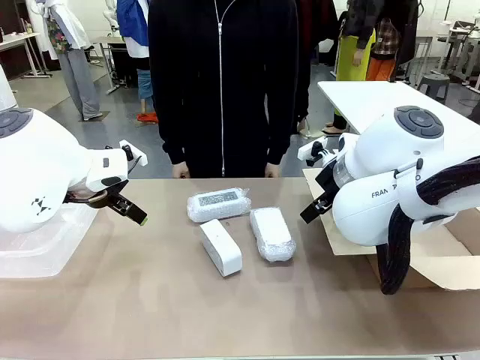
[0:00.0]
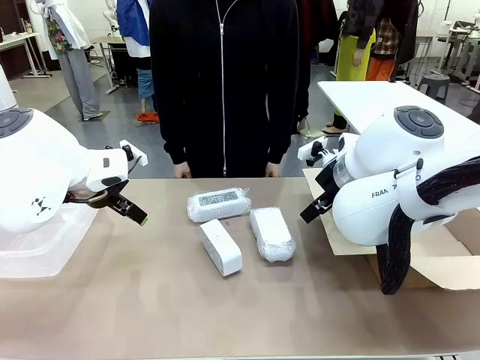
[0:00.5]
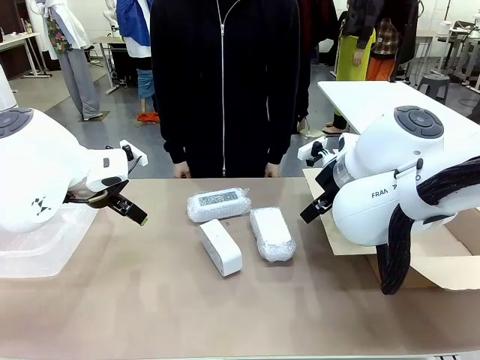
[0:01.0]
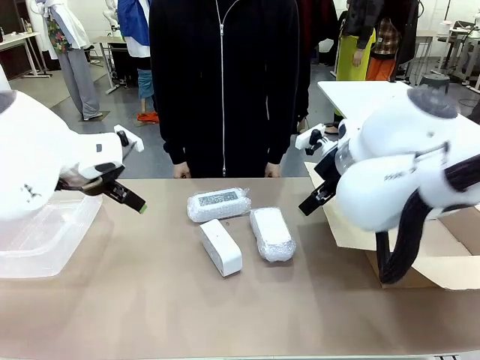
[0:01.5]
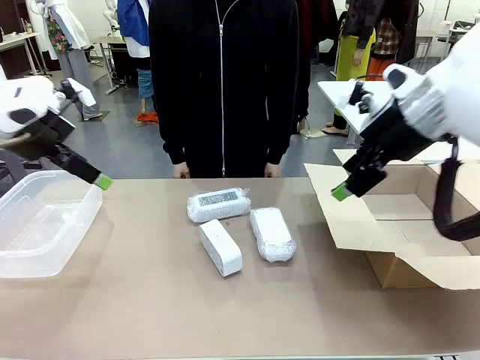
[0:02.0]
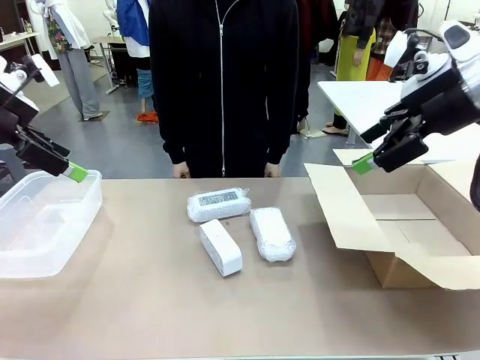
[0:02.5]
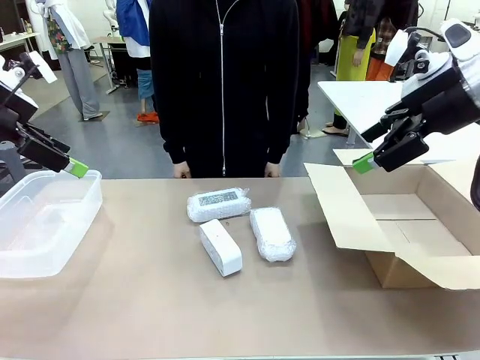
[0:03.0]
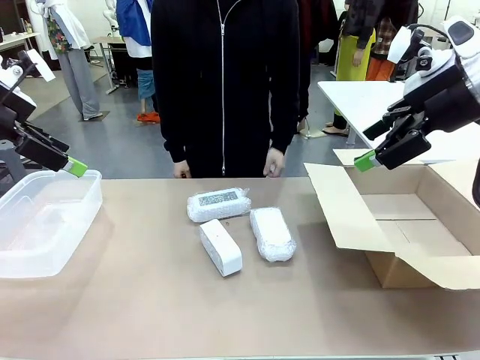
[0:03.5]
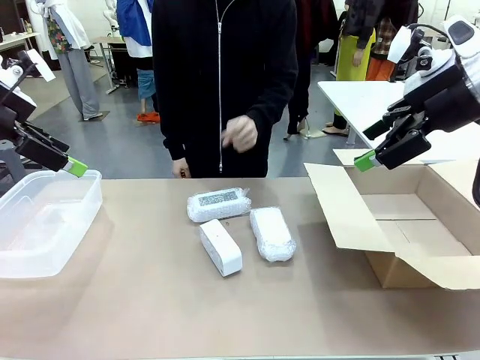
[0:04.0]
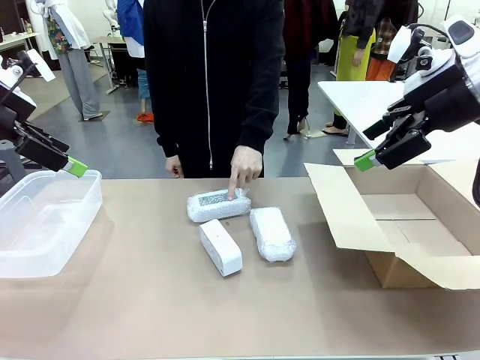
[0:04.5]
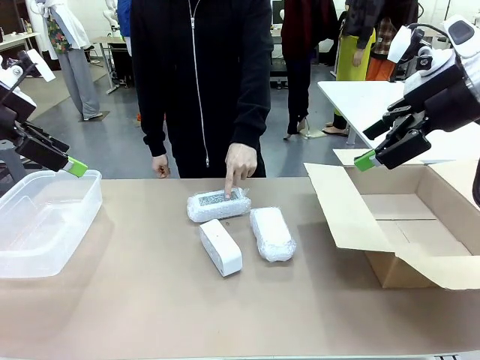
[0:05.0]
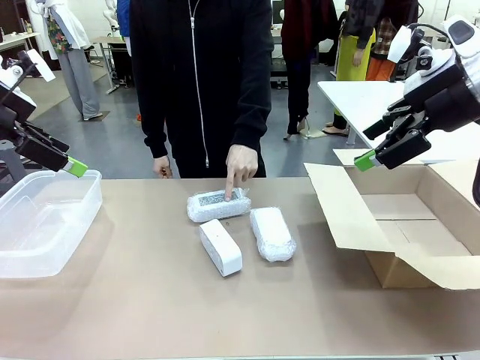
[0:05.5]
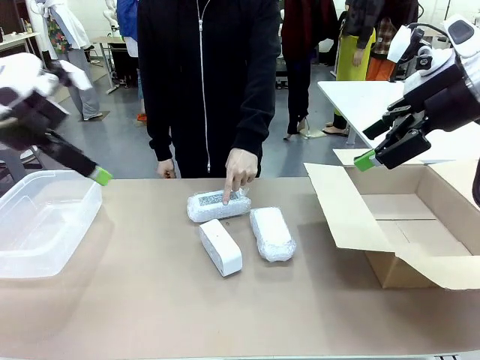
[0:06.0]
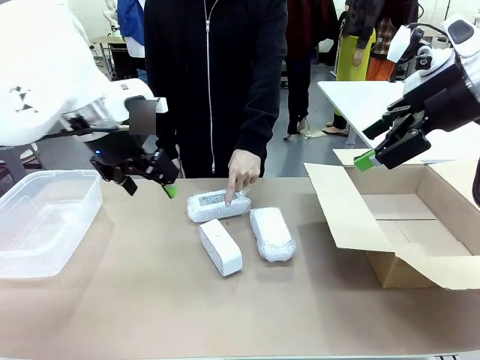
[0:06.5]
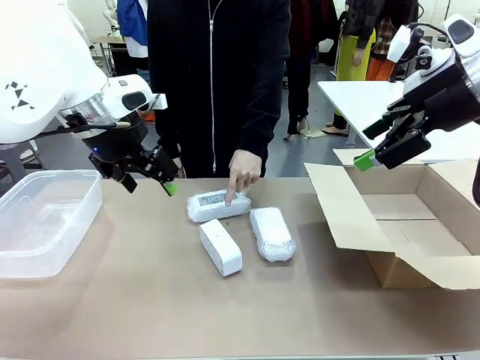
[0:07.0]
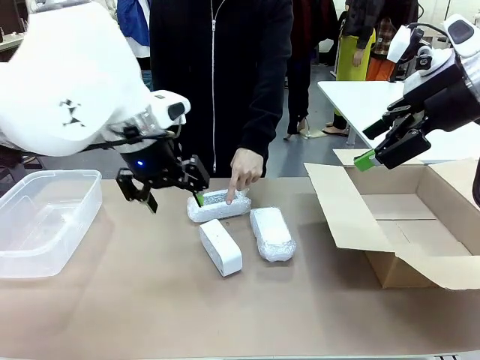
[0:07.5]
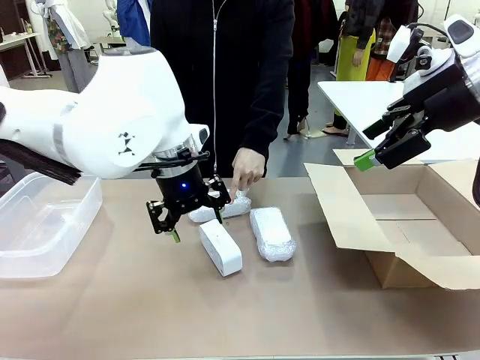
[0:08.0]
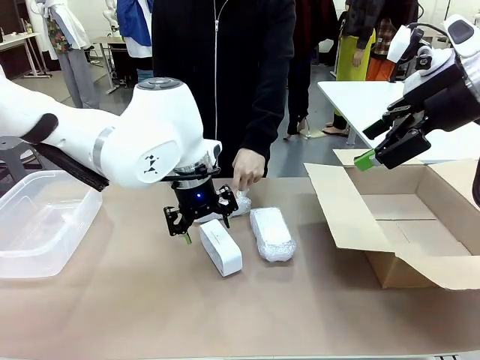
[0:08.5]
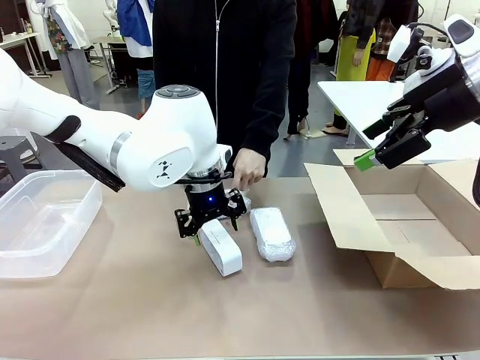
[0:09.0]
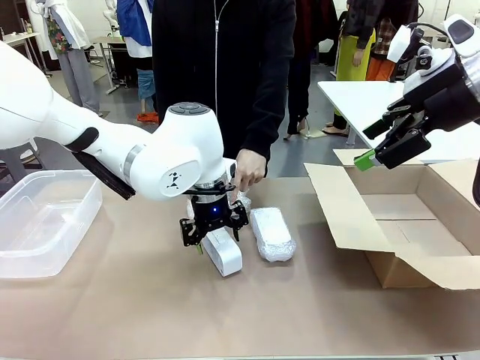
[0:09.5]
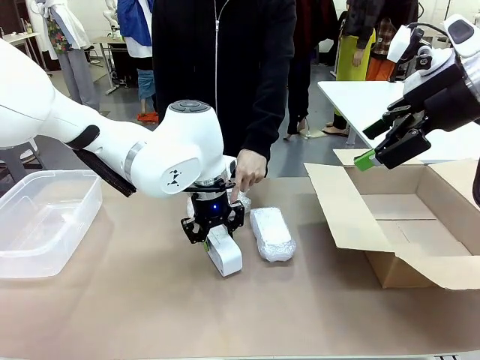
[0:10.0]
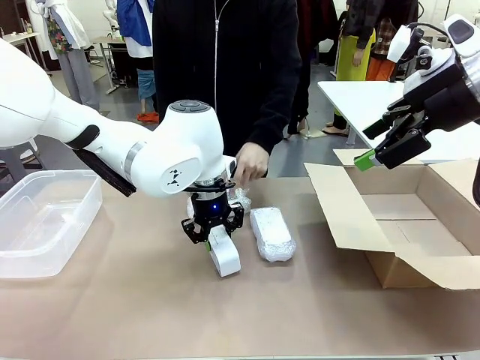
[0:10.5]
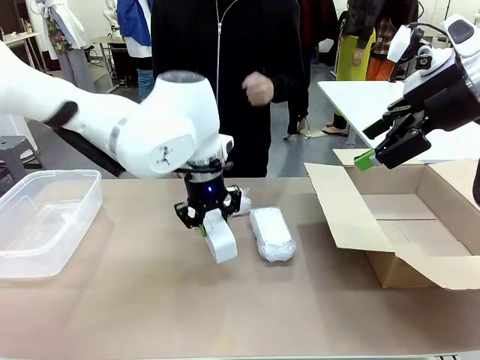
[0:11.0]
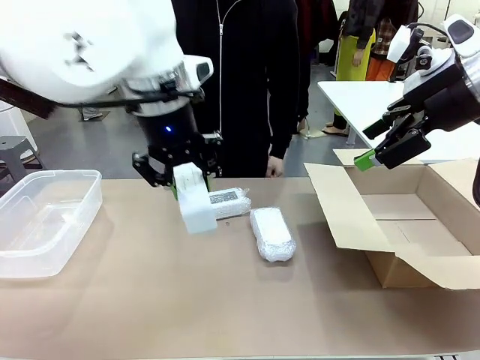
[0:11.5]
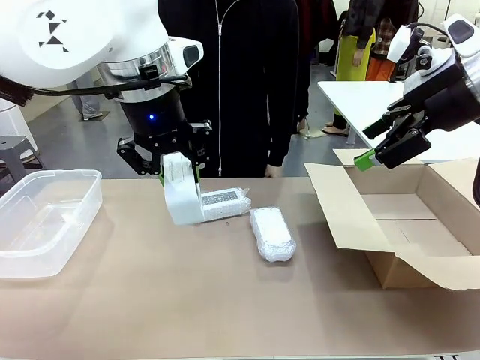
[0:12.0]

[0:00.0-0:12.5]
Task: Separate and place wrapped and unwrapped clocks.
Robot: Pick up the Digital clock indicated by the person.

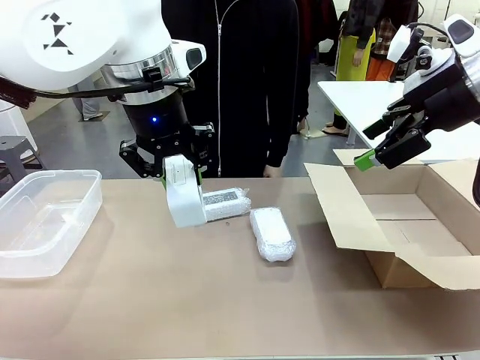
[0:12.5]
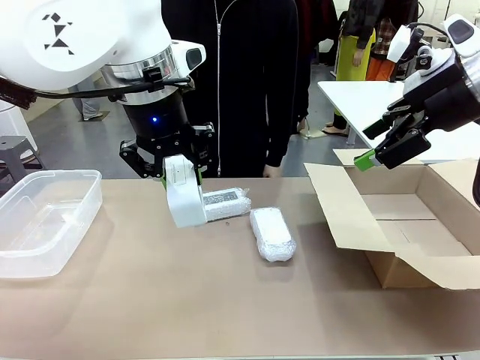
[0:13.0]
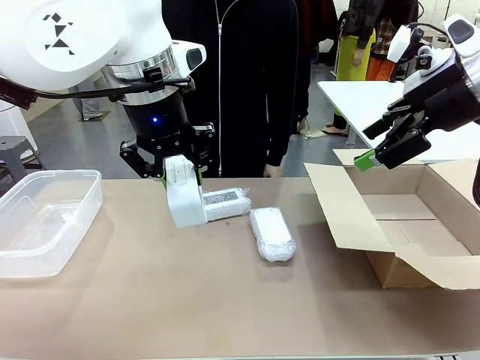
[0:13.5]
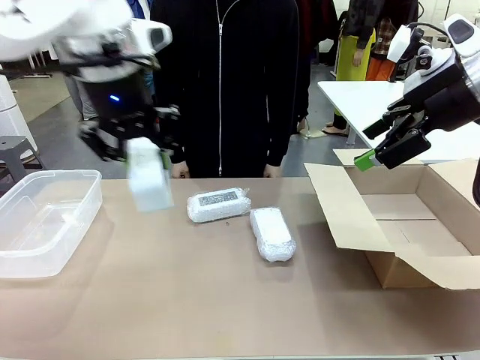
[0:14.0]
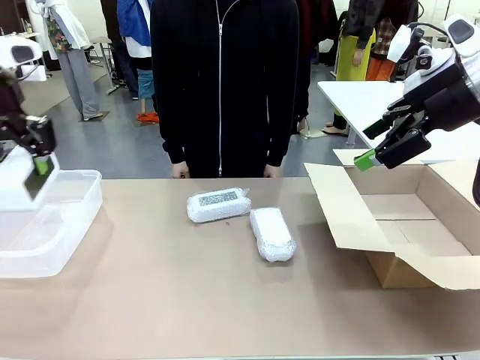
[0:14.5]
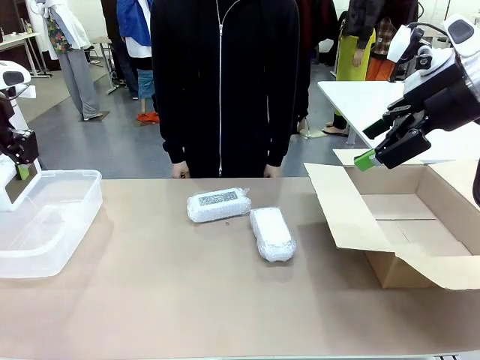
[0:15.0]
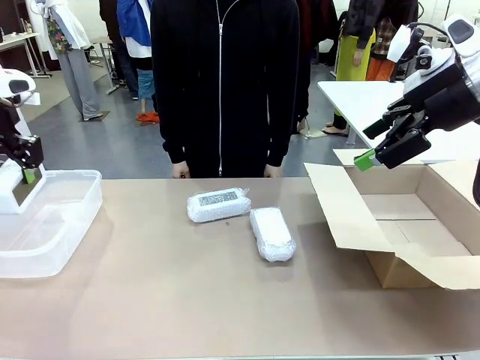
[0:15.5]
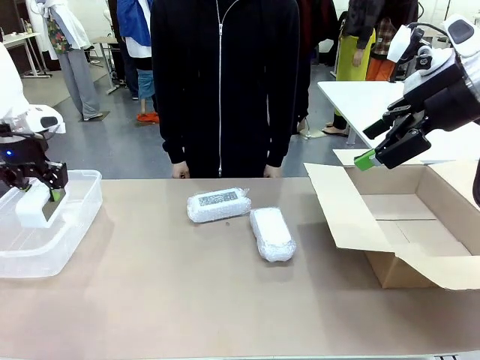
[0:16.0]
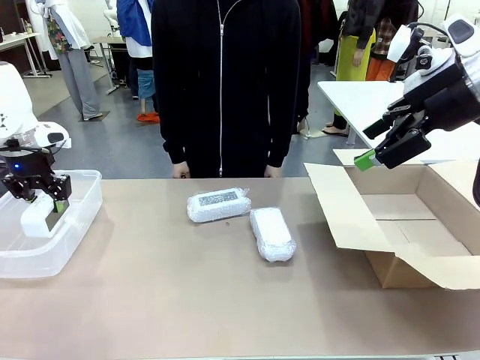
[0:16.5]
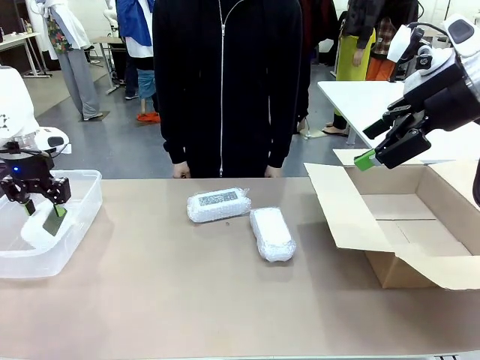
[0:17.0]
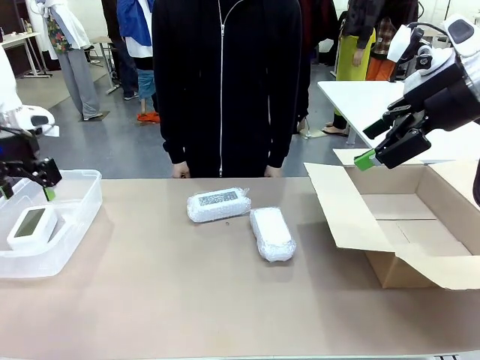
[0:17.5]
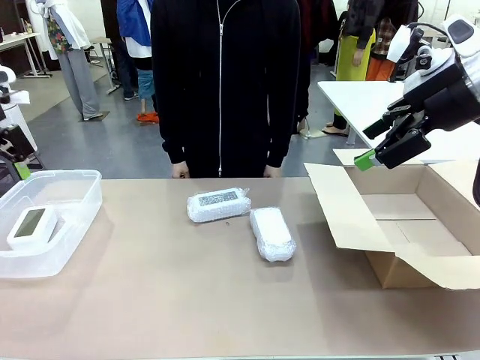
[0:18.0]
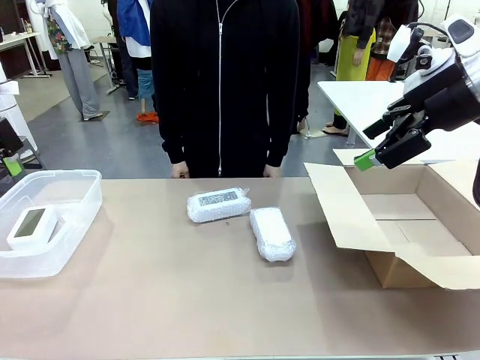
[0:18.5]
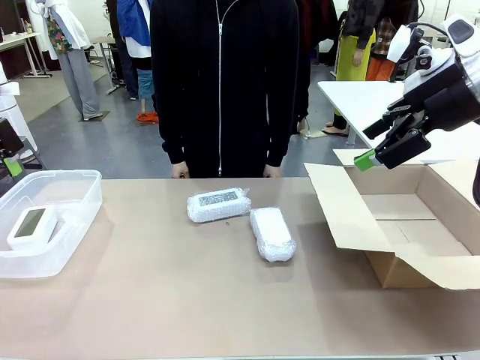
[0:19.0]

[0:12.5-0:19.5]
Robot: If the picked Digital clock is wrapped, place it in the Package Box ; if not, place it in the Organizing box.

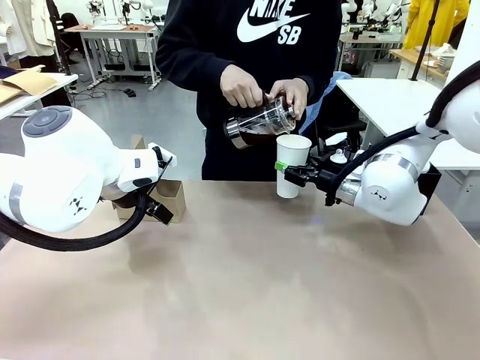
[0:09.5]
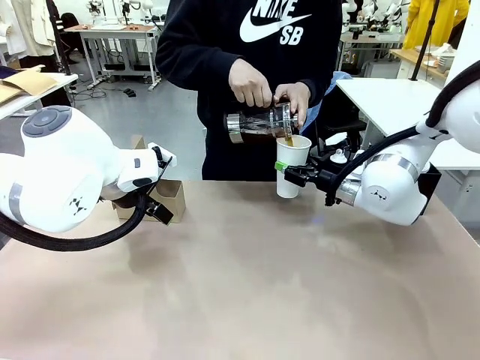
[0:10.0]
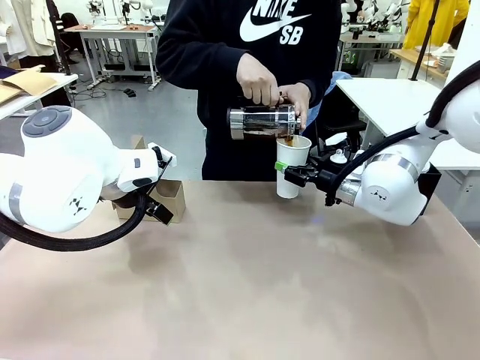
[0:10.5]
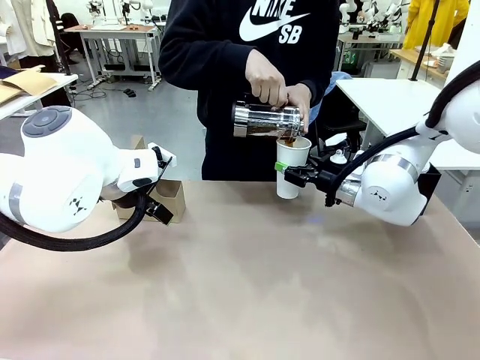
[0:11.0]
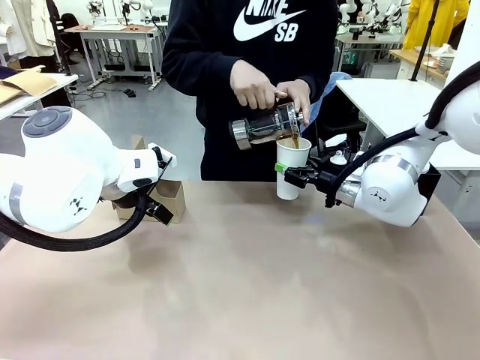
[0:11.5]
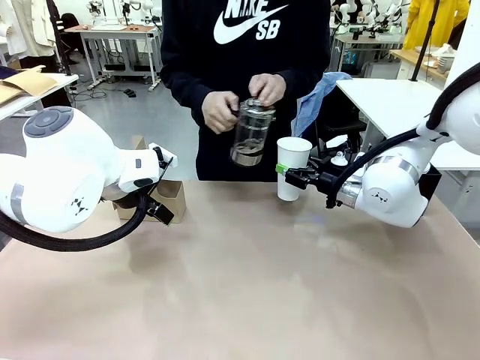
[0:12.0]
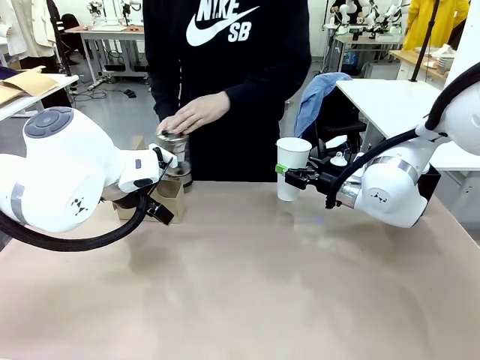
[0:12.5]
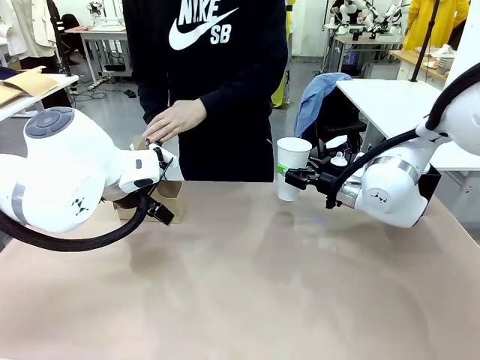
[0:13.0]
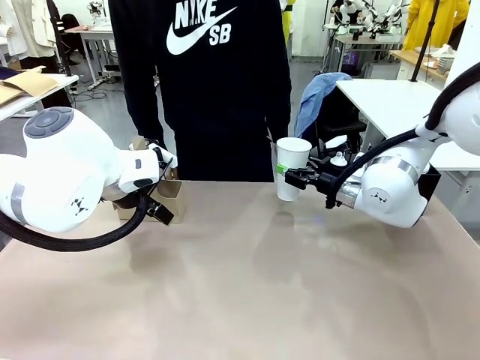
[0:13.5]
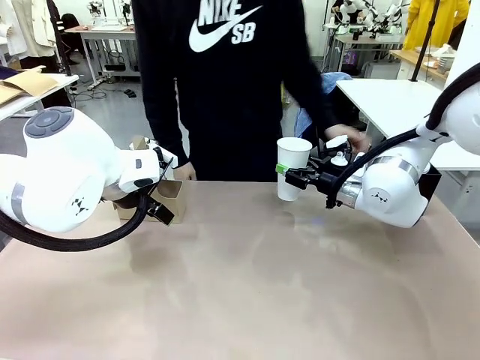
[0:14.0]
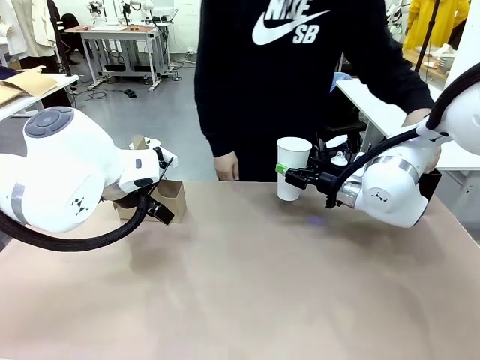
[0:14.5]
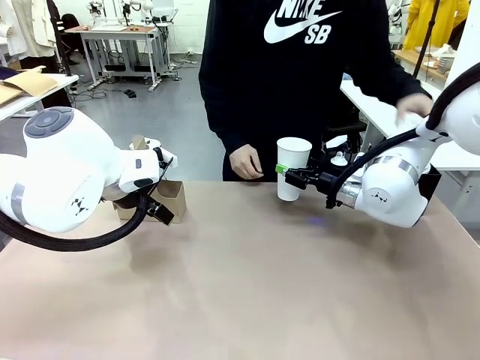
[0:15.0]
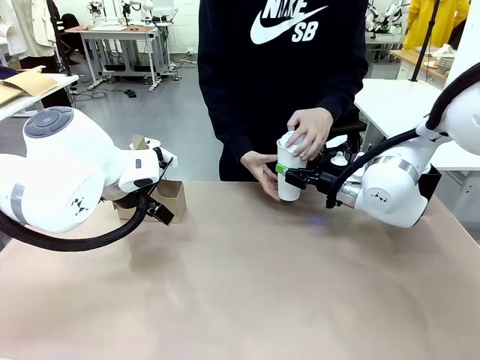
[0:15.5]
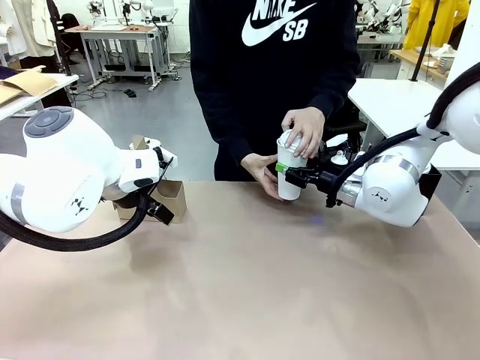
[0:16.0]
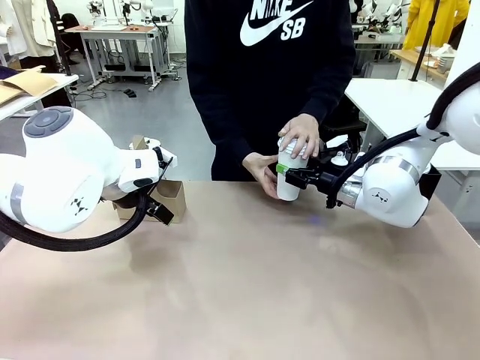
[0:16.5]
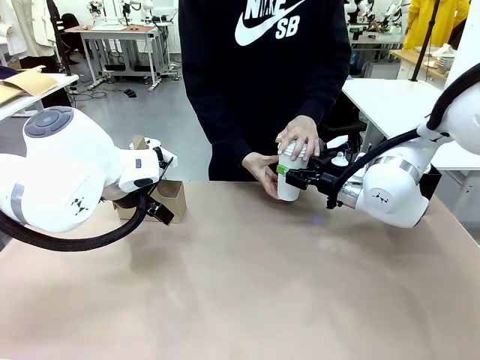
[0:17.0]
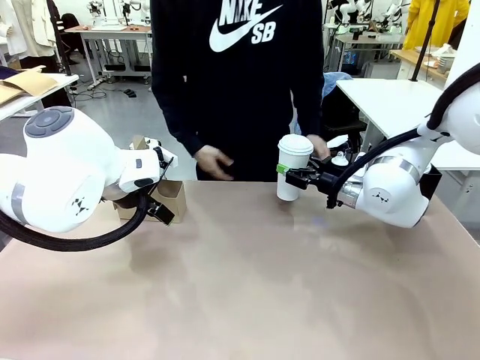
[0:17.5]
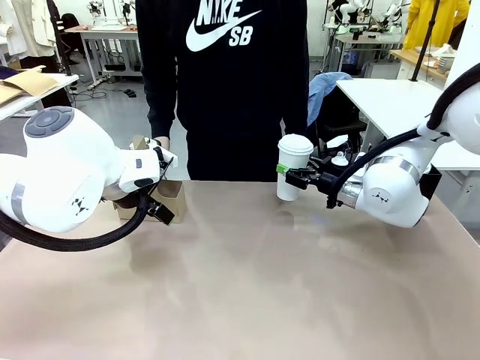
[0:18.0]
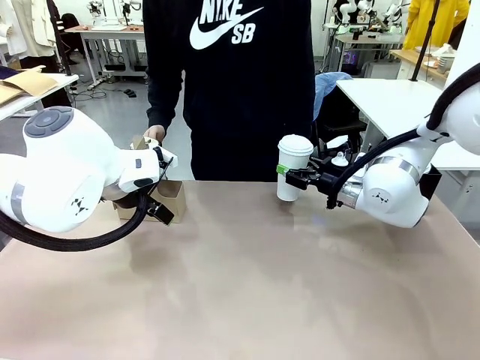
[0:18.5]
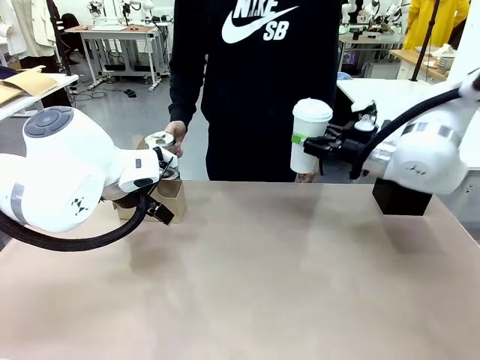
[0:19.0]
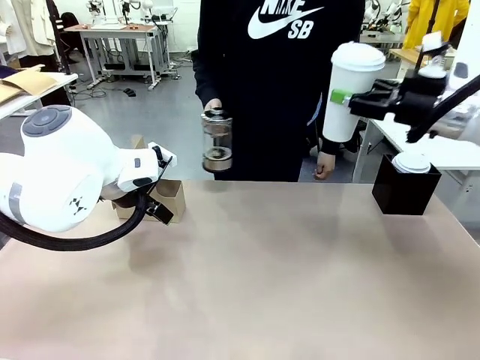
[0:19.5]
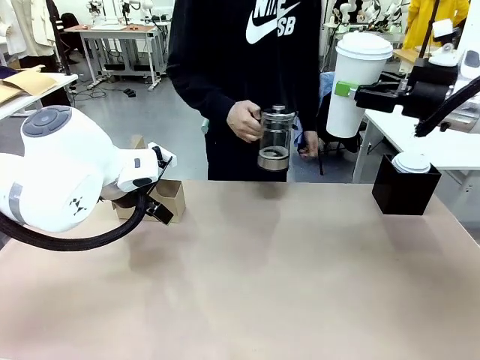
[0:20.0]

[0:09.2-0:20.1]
Task: Pour a drink into a cup and package it in a carrier.
Robot: When a person places the Paper Cup Lid on the 600 ml Paper Cup , lift the 600 ml Paper Cup.
Person: Pour the drink from the Filter Brewing into the 600 ml Paper Cup. Place a Paper Cup Lid on the 600 ml Paper Cup.
